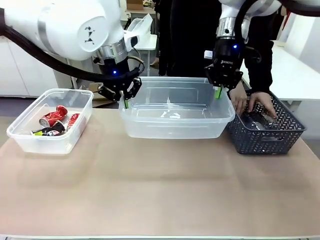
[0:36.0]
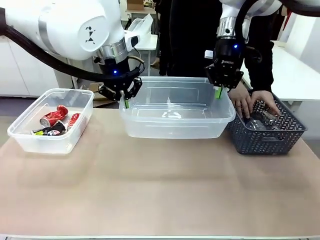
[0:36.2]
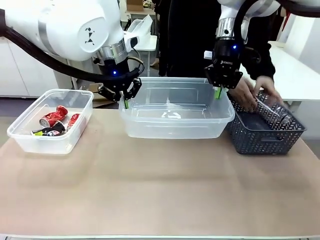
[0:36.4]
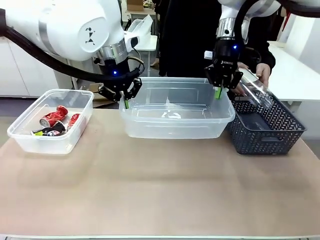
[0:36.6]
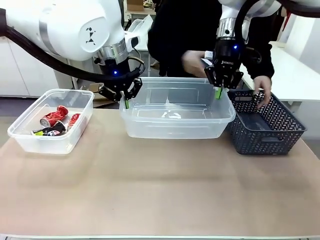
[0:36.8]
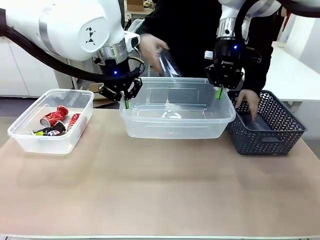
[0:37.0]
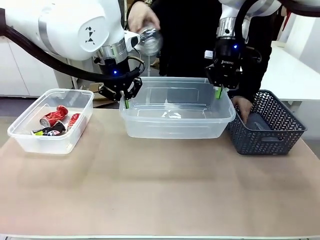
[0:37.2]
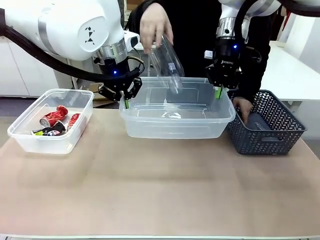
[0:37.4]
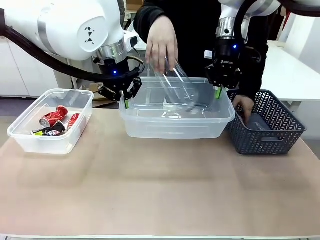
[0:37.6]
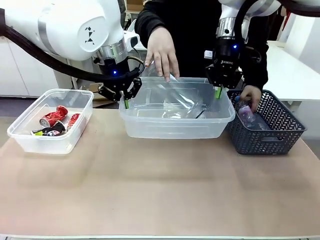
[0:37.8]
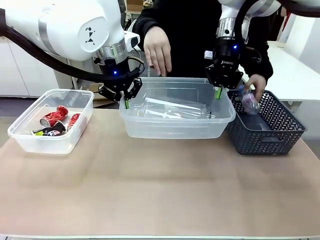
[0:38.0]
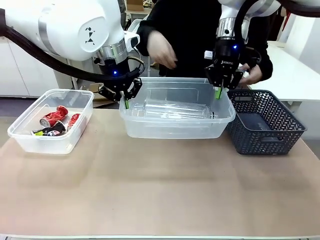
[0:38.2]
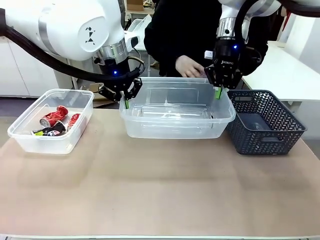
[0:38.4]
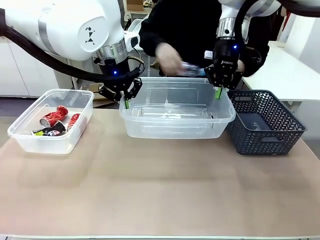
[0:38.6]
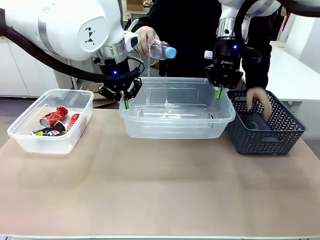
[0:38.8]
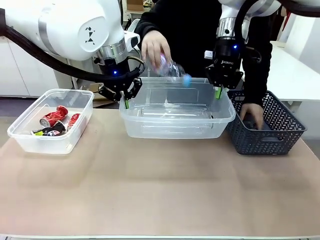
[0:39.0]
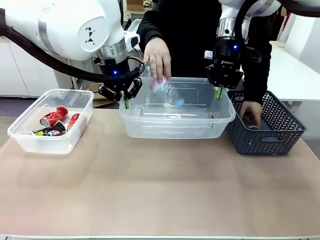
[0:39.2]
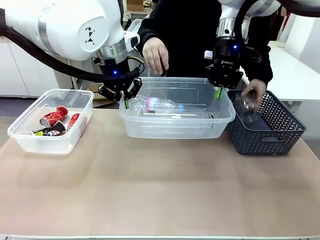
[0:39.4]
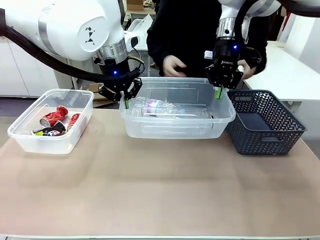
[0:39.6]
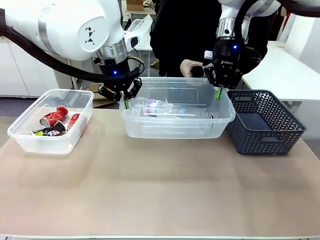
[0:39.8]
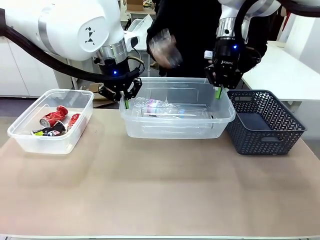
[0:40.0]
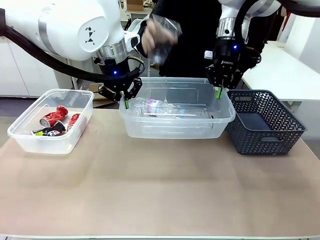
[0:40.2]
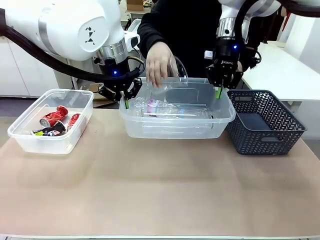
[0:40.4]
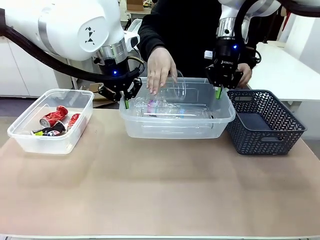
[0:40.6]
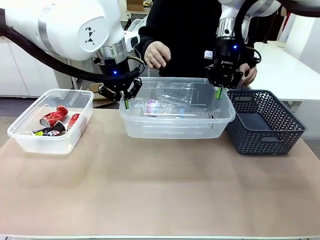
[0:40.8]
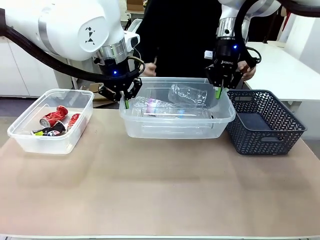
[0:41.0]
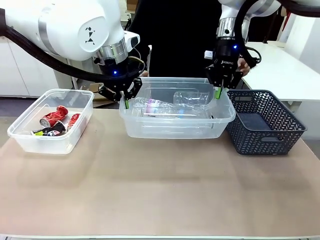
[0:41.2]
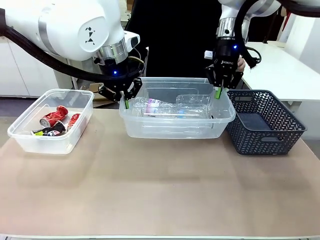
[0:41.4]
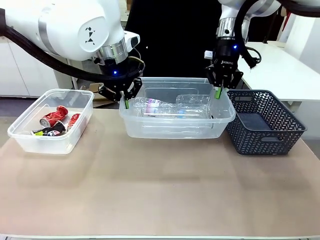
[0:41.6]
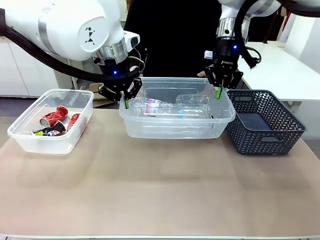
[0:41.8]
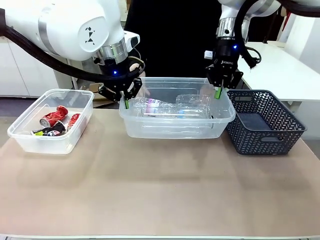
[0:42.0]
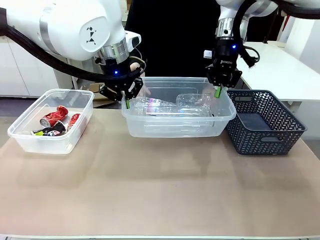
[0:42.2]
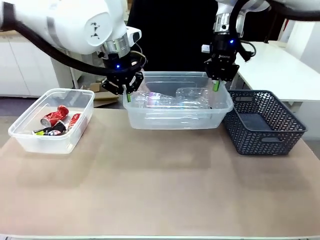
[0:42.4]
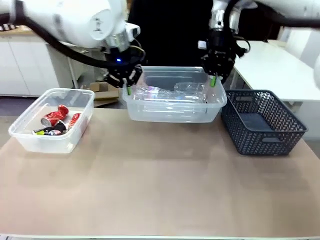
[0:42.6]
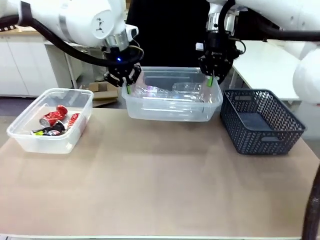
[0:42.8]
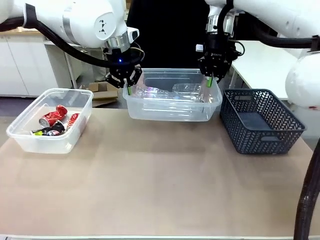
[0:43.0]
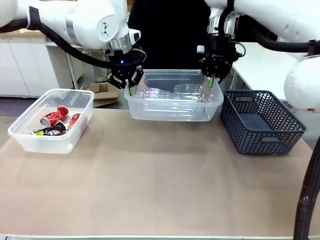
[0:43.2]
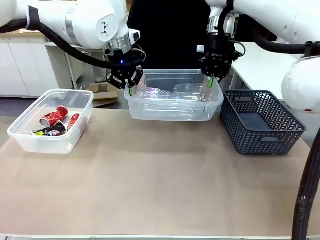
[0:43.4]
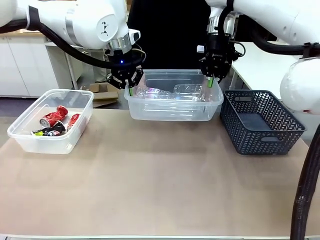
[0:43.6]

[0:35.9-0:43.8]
Robot: Offer the picked Organizing box to the human.

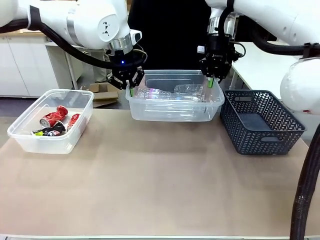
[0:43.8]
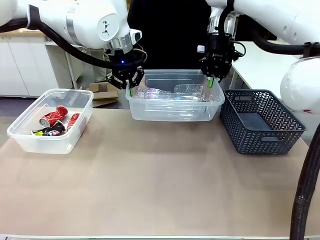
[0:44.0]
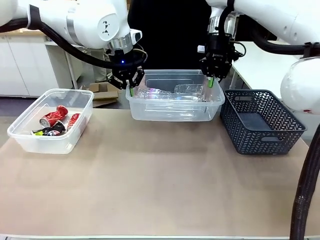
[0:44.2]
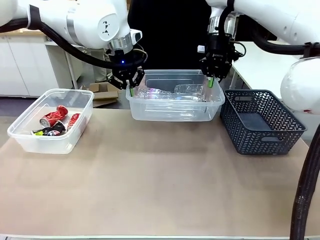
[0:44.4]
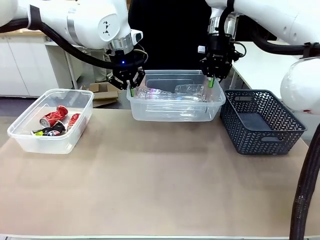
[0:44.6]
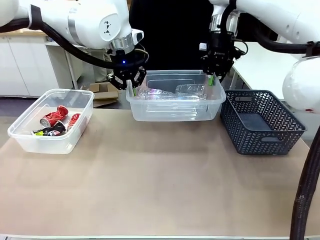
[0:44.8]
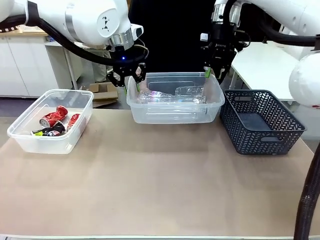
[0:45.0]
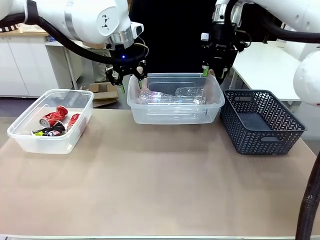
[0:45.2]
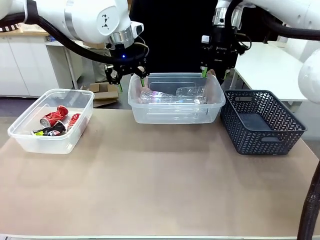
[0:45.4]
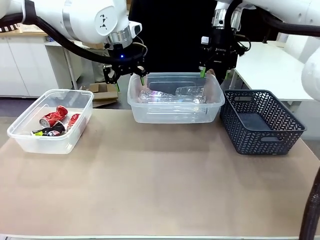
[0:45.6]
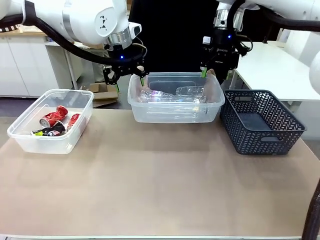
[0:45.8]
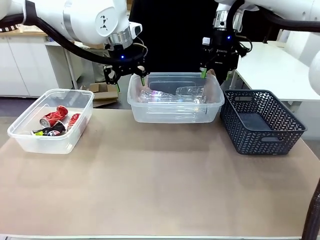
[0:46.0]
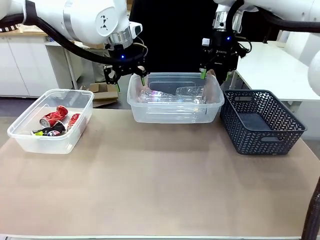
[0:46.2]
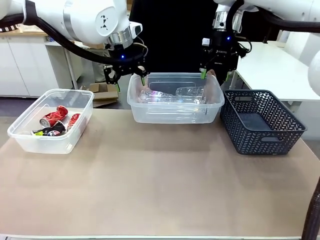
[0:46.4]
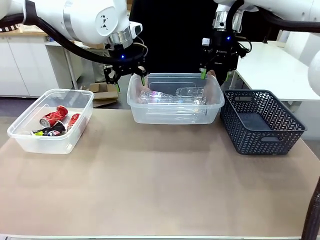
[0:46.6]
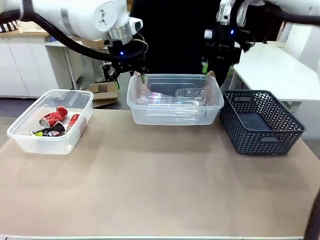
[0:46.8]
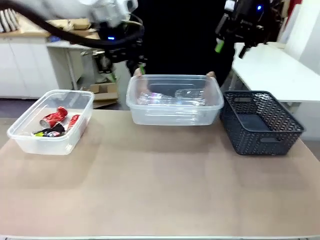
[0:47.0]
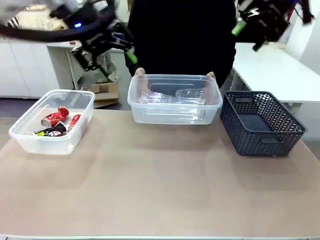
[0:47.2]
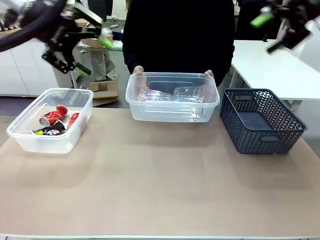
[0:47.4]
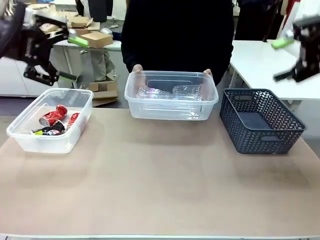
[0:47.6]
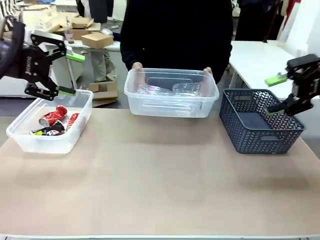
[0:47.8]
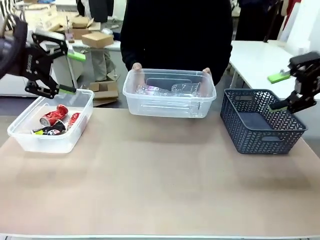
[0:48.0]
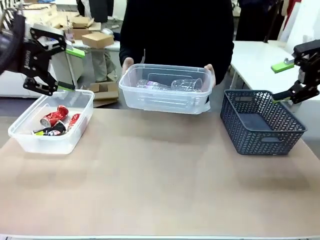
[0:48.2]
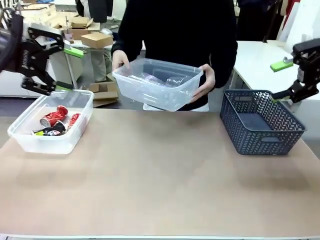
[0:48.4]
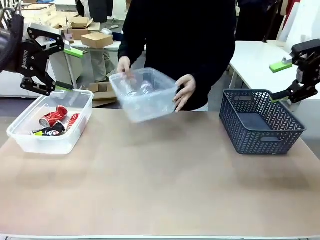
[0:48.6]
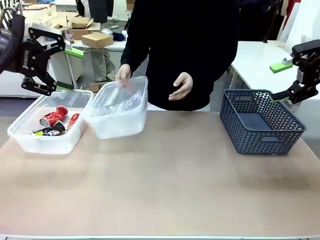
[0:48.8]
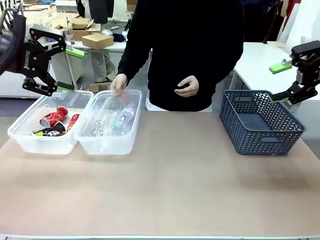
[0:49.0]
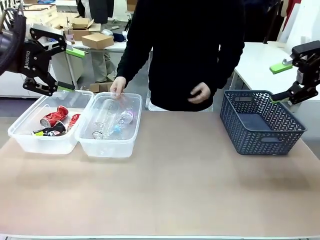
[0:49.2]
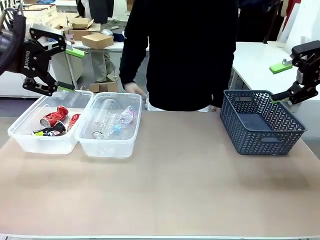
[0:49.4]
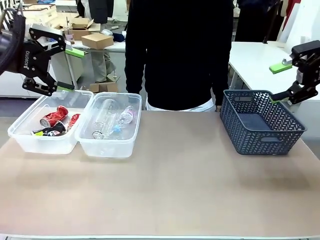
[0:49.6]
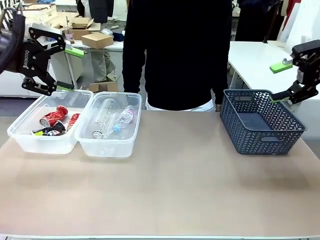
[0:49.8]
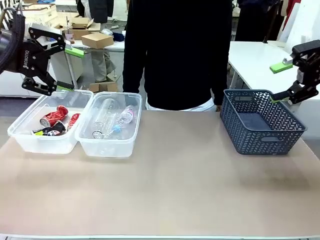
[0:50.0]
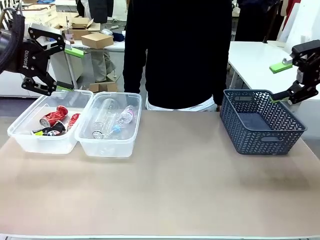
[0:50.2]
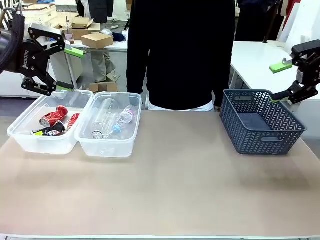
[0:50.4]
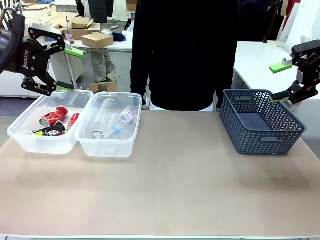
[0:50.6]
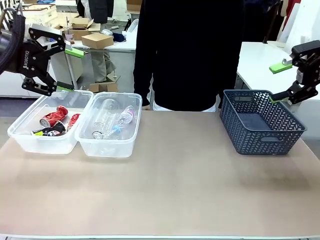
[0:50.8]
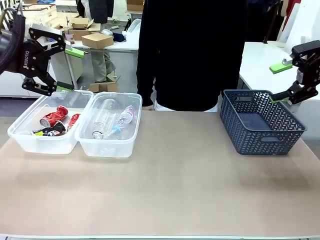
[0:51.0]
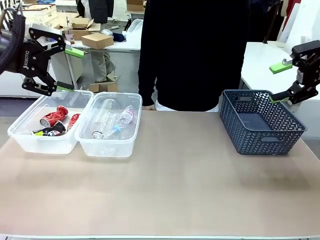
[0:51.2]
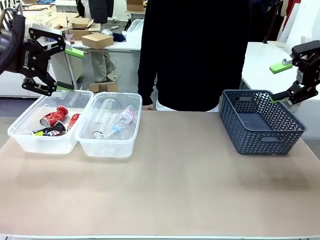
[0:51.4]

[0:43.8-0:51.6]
Robot: Release the Organizing box you were holding.
Person: Pick up the organizing box extended by the robot. Place the organizing box to the left of the sorting box containing the can waste.

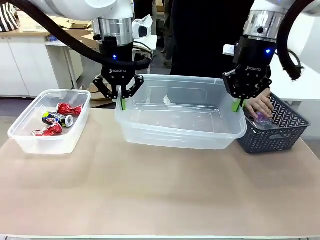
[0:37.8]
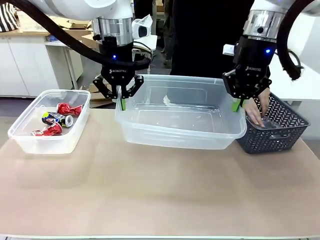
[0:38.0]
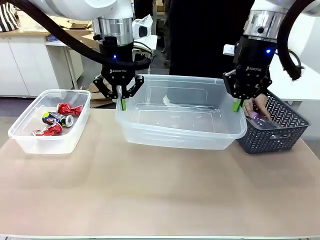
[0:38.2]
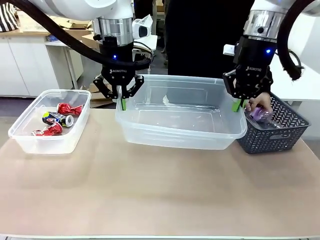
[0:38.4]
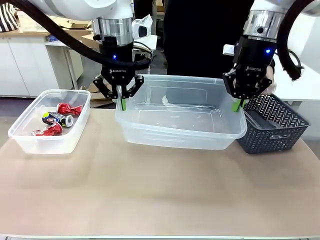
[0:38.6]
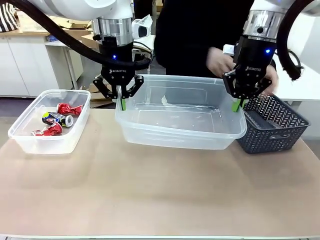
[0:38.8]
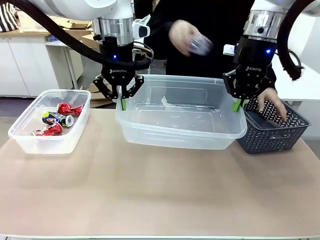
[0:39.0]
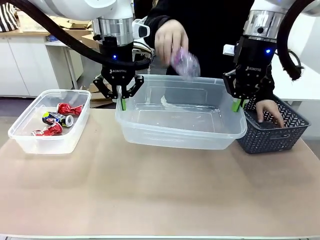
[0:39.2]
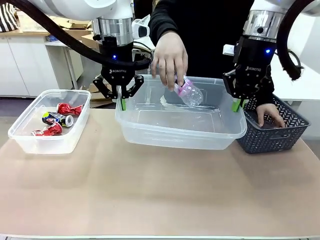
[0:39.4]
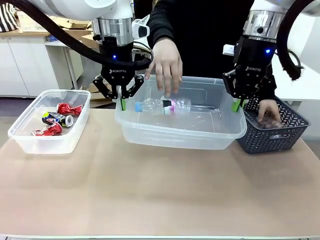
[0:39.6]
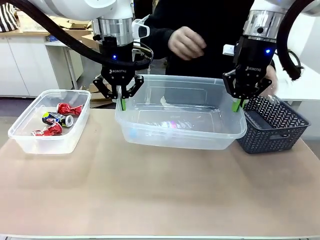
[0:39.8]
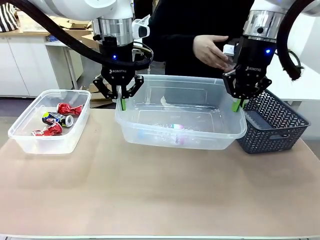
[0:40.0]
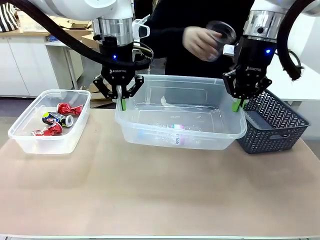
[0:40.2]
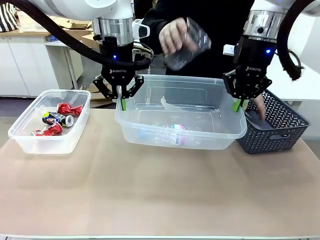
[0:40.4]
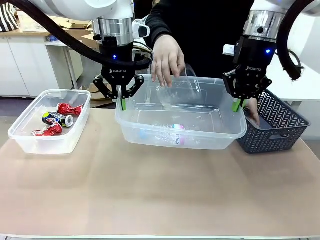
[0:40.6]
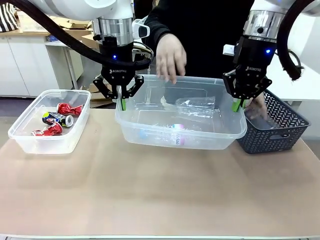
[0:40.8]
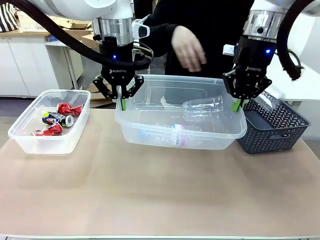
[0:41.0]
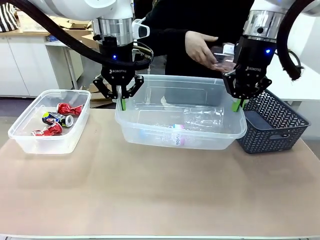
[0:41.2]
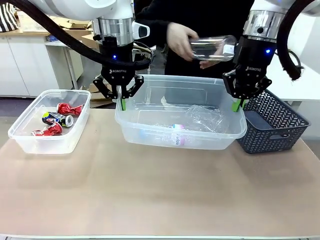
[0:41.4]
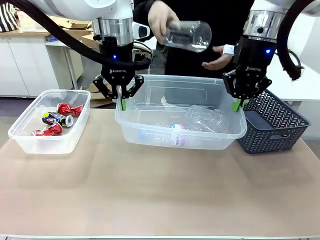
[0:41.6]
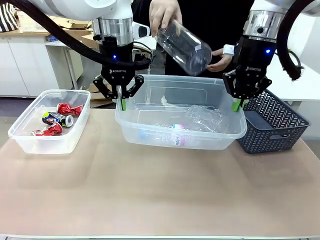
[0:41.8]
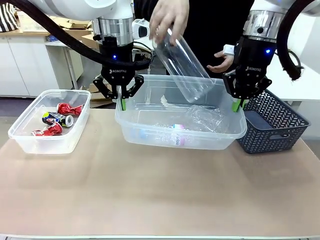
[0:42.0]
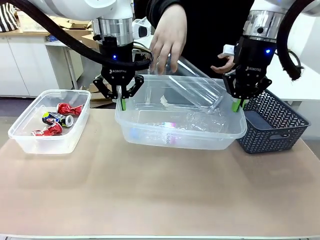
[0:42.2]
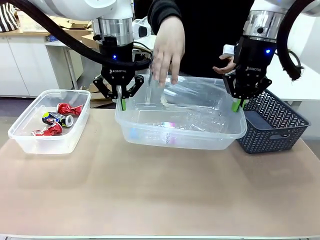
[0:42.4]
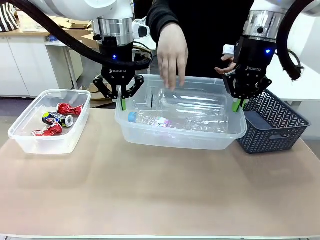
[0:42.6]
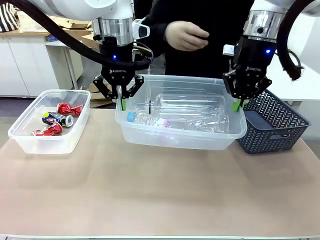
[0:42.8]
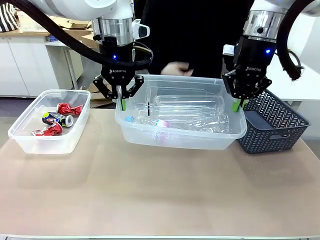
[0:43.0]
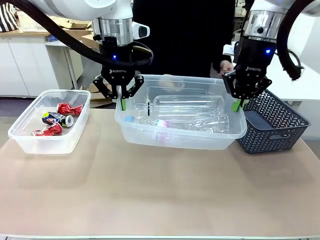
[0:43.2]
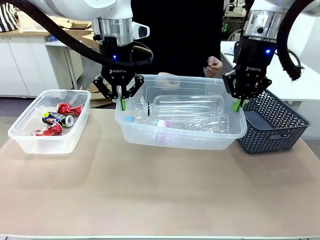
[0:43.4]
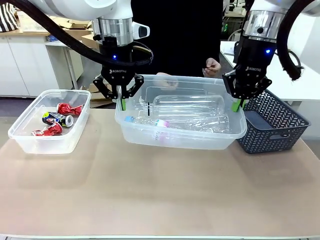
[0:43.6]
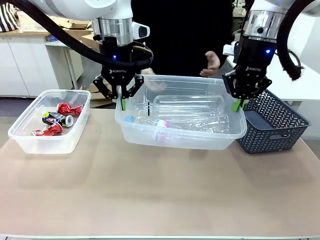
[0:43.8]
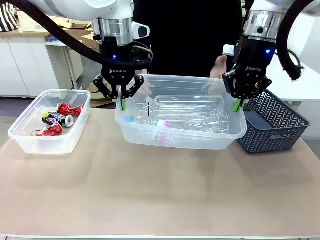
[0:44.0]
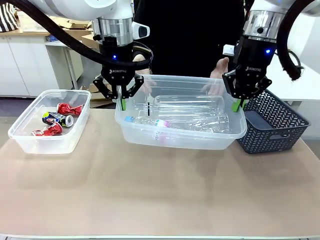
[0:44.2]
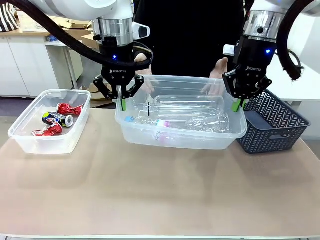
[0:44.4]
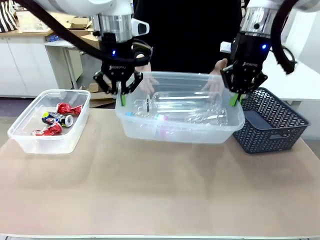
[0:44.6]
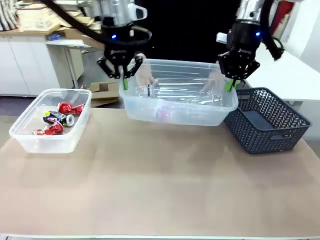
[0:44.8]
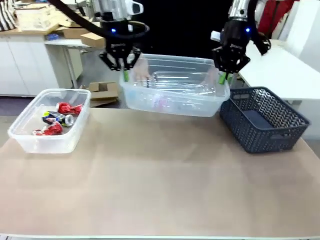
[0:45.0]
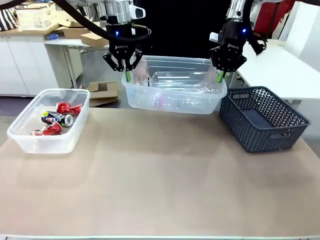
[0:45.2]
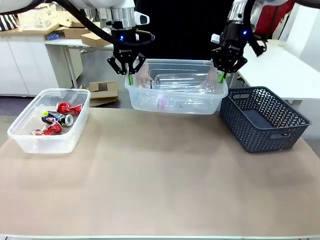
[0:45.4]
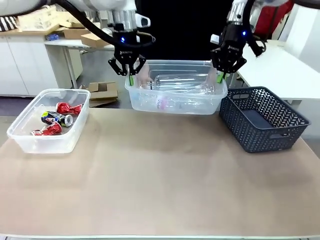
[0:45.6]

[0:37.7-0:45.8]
Robot: Offer the picked Organizing box to the human.
Person: Pick up the organizing box extended by the robot.
